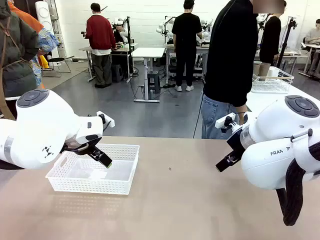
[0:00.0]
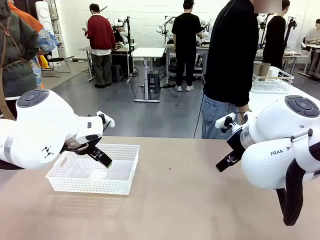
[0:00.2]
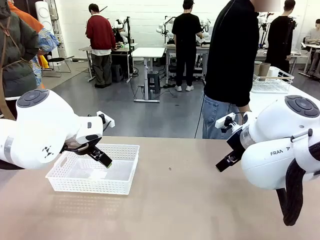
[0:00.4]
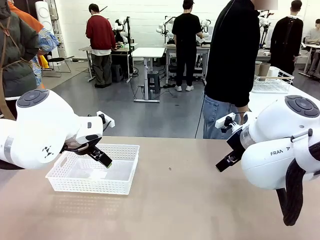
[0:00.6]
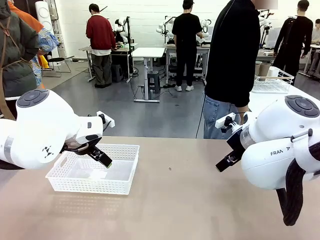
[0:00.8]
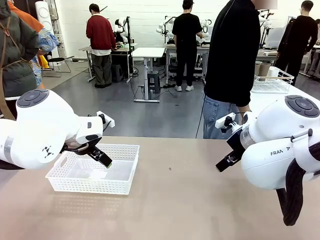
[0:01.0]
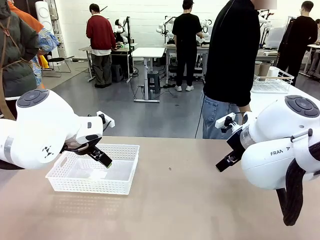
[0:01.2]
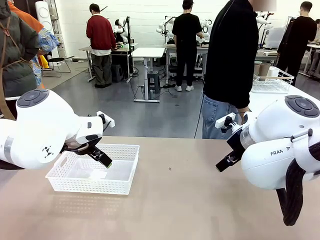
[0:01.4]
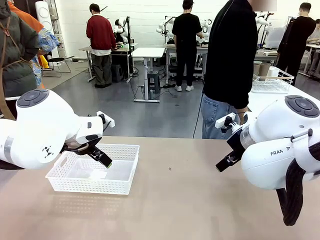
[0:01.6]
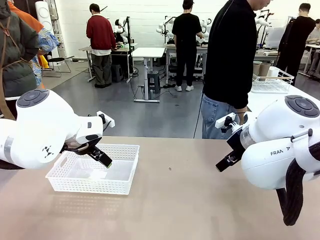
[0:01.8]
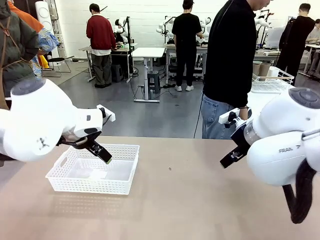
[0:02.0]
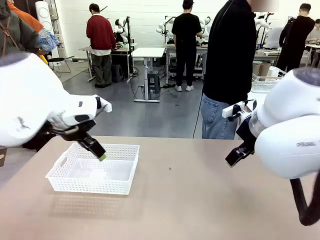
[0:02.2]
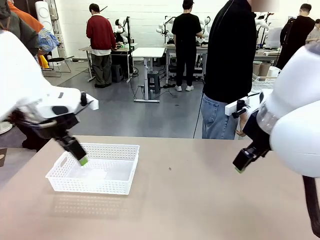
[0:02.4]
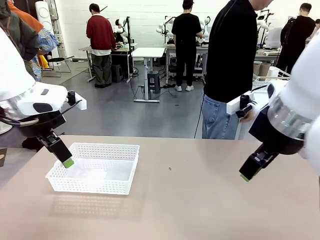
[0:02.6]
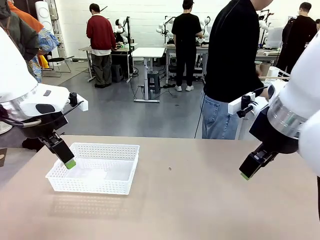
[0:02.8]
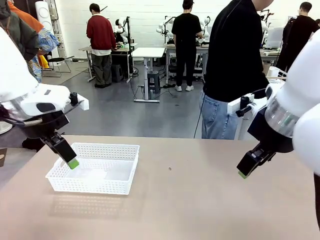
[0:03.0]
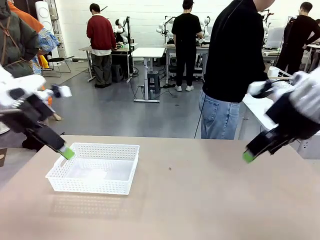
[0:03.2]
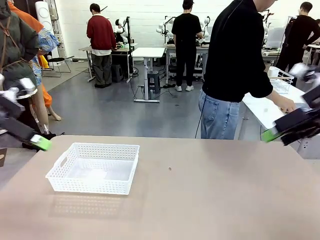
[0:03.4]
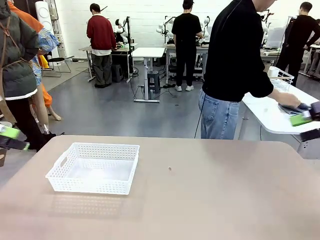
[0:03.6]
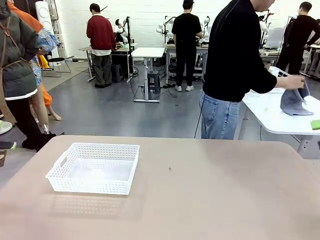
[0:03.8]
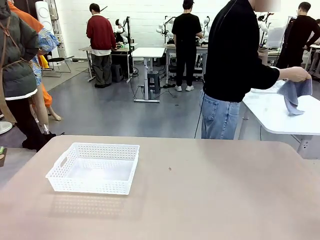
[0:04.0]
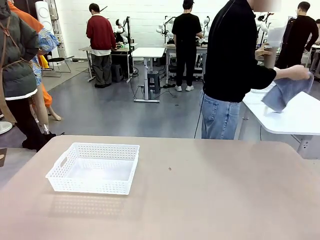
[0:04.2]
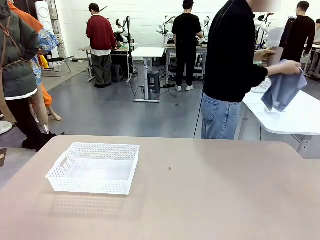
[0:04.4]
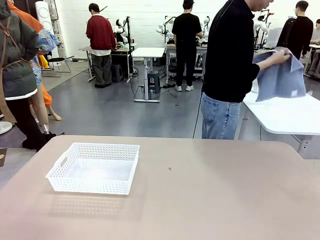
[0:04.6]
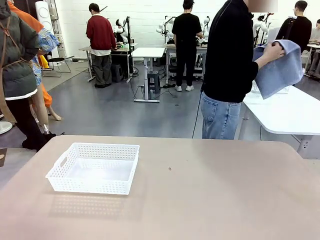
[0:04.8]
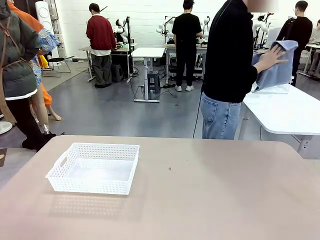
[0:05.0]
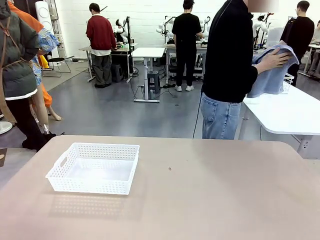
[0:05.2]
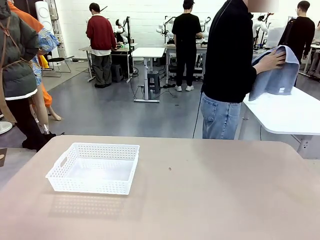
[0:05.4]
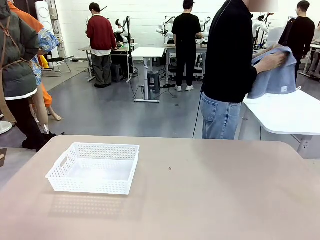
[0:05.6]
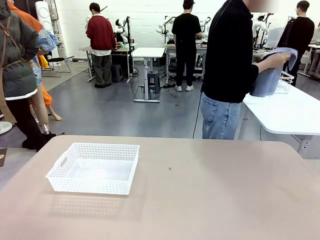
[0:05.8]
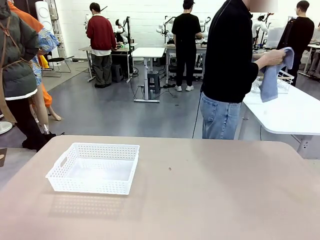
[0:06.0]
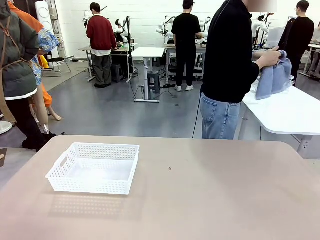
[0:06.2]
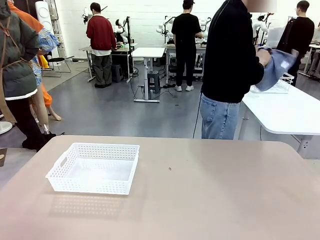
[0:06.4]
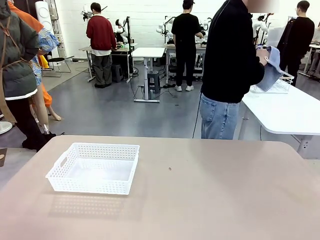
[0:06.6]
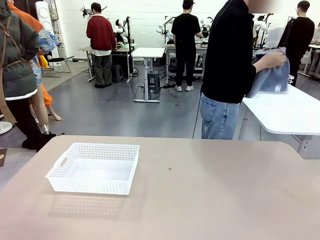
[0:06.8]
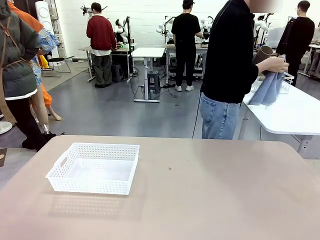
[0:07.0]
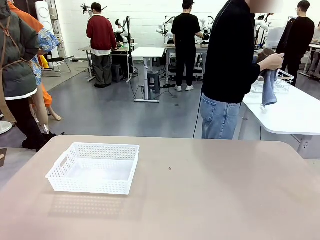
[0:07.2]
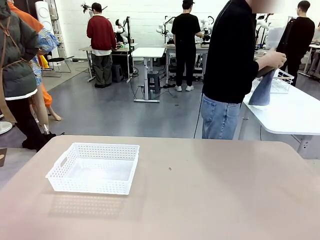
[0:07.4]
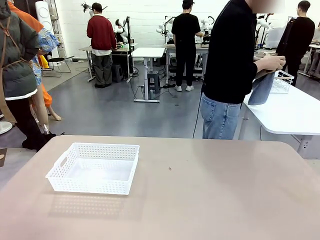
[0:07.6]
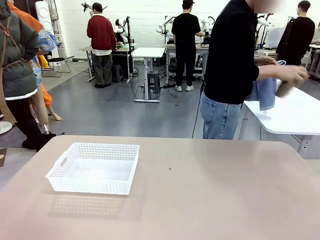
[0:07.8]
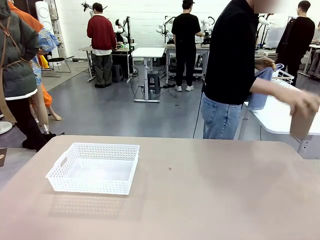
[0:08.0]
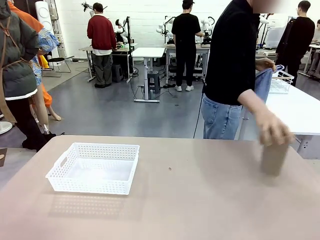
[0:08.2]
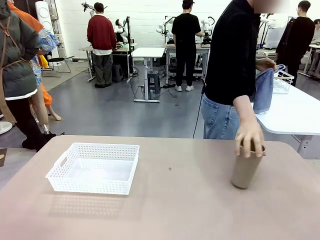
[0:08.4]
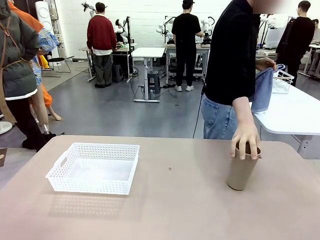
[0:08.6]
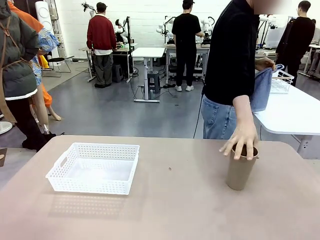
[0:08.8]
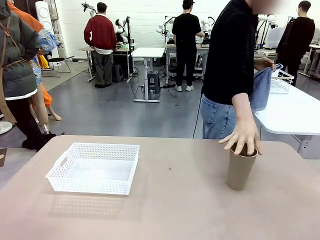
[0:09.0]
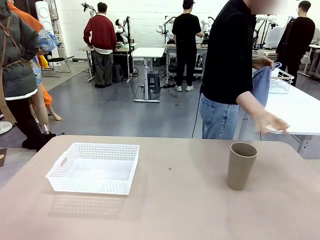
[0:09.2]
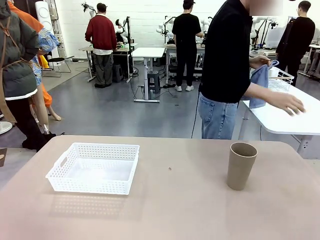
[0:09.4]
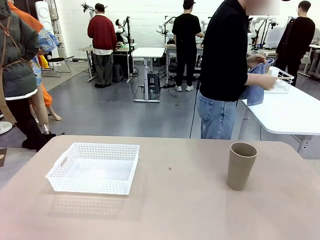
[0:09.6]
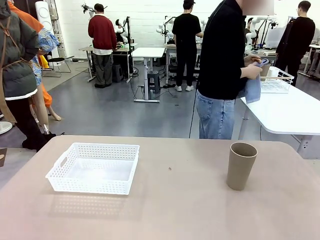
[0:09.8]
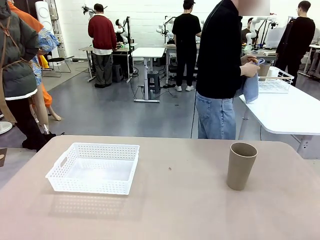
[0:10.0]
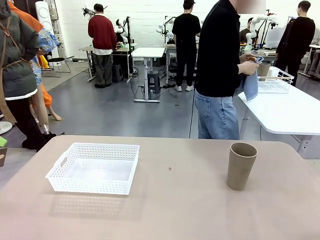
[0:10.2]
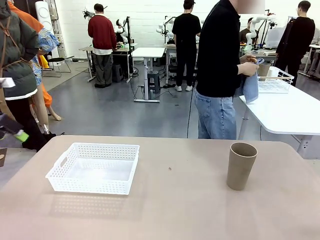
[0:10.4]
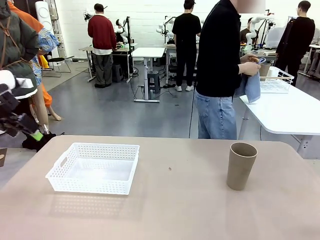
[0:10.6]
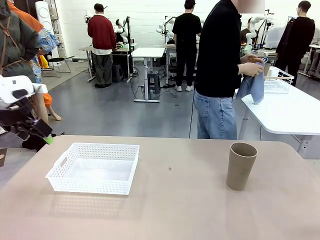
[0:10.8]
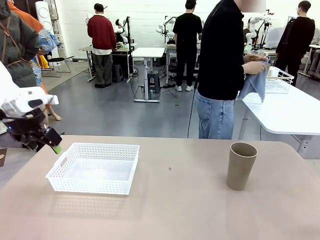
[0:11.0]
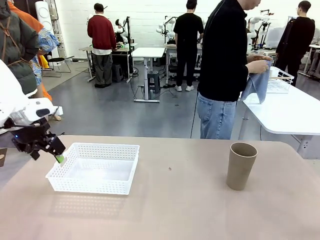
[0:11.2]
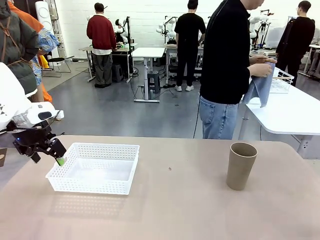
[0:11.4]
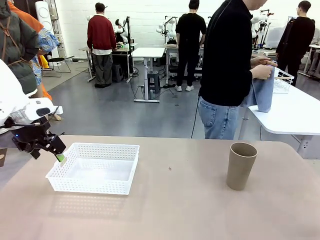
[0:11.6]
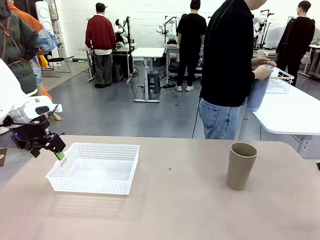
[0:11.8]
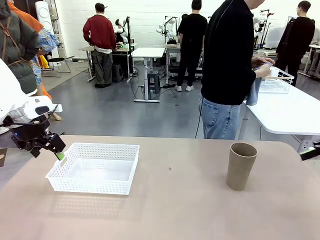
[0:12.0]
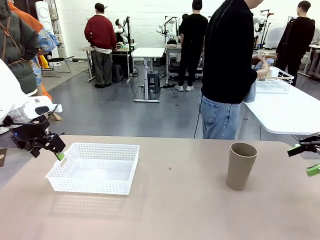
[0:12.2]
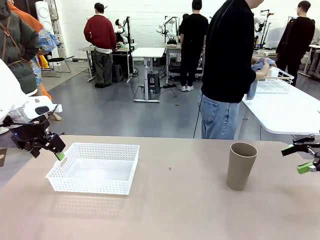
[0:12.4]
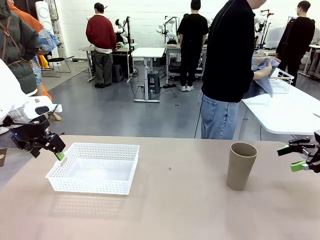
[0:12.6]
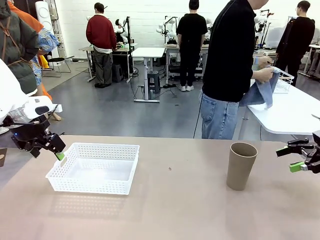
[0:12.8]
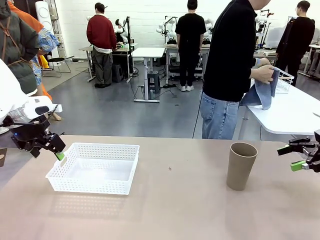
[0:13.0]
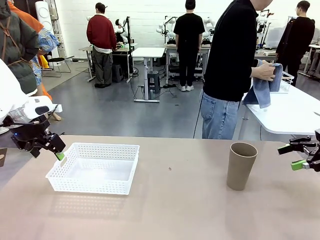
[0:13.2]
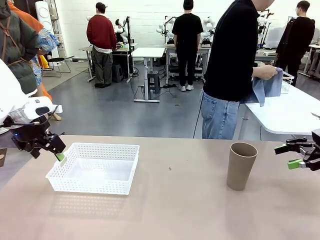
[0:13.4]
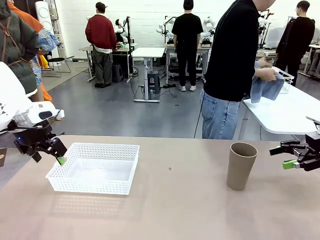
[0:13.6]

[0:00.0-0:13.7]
Task: Clean and organize the cups into the basket.
Robot: Pick up the Organizing basket and move it to the center of the table, then pick up the Reusable plastic cup from the right side of the table and place it inside the Organizing basket.
Person: Picks up a cup and a towel, cleans the cup with the towel, and places it on the left side of the robot table.

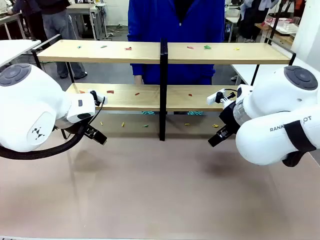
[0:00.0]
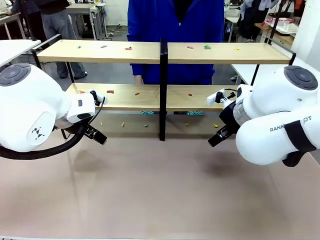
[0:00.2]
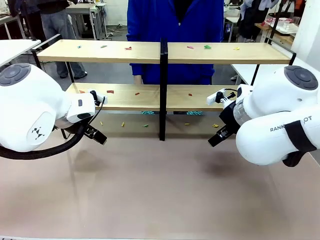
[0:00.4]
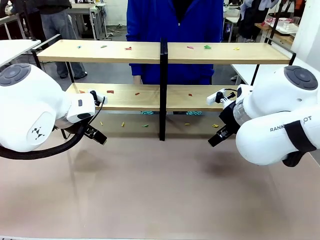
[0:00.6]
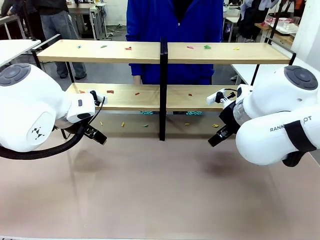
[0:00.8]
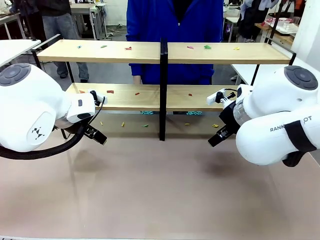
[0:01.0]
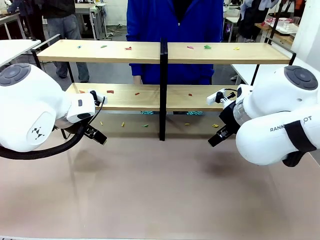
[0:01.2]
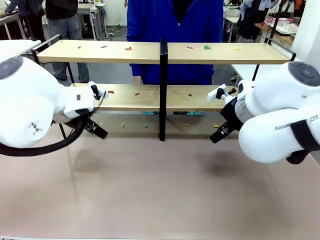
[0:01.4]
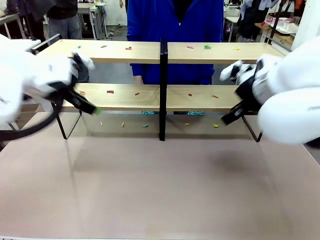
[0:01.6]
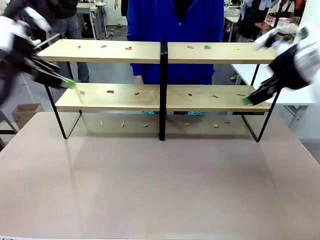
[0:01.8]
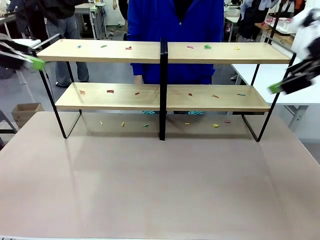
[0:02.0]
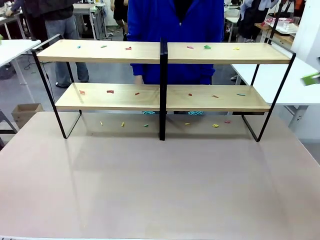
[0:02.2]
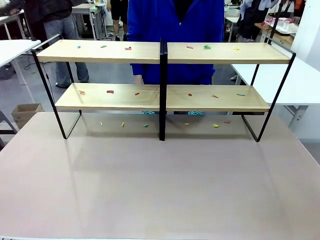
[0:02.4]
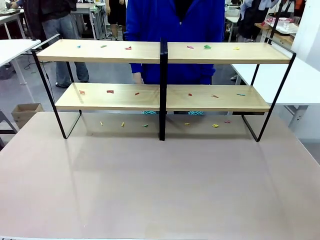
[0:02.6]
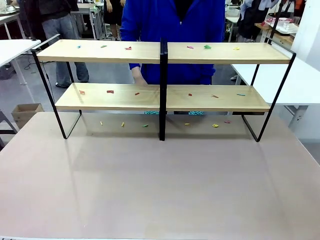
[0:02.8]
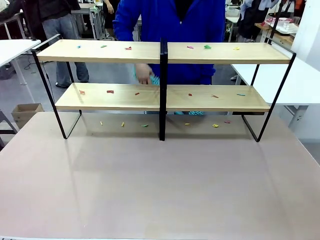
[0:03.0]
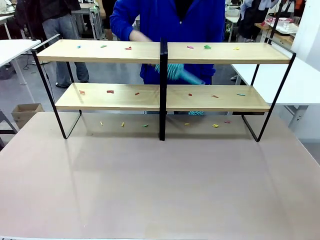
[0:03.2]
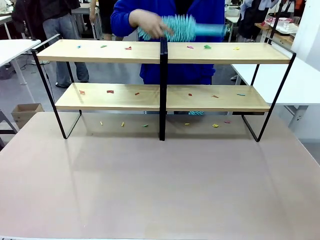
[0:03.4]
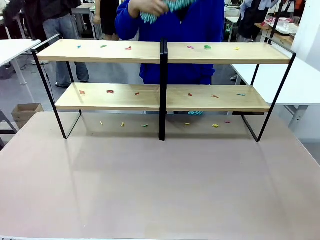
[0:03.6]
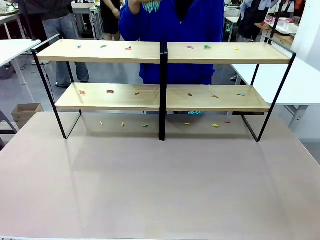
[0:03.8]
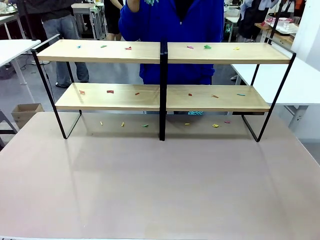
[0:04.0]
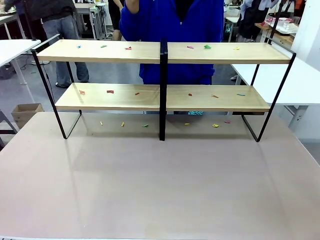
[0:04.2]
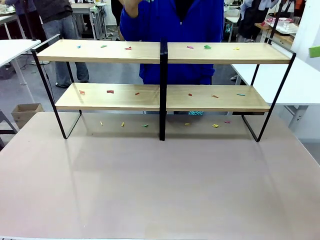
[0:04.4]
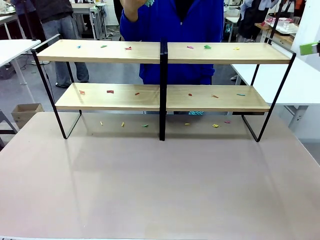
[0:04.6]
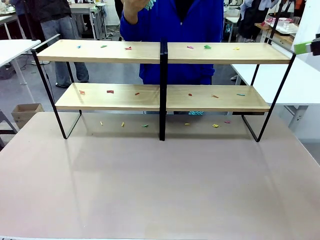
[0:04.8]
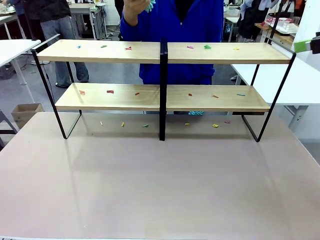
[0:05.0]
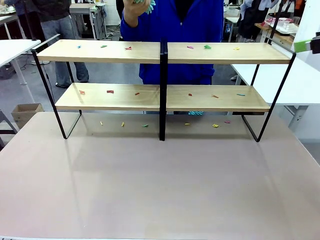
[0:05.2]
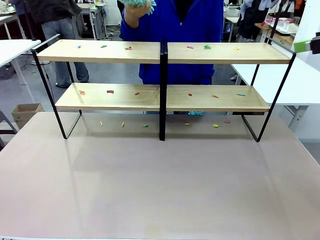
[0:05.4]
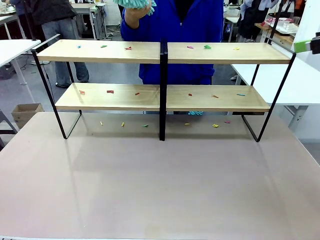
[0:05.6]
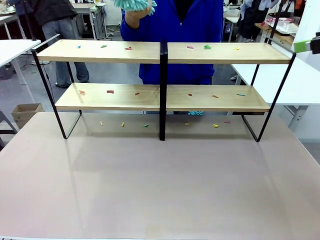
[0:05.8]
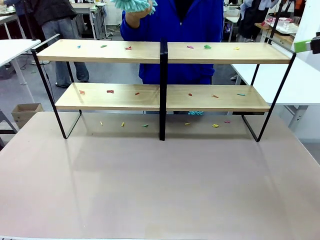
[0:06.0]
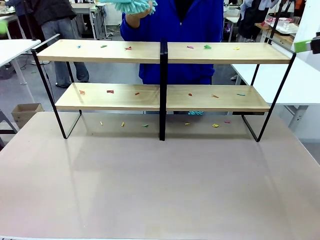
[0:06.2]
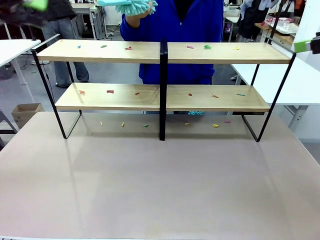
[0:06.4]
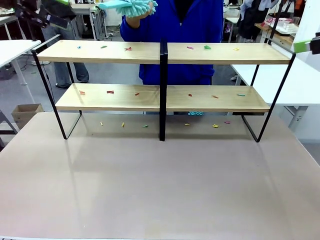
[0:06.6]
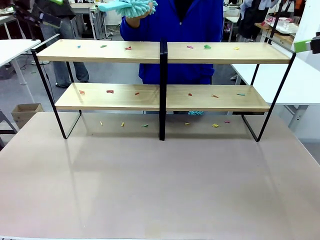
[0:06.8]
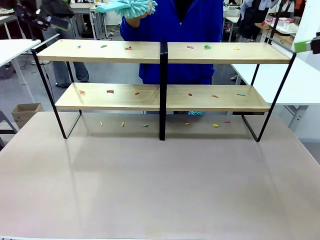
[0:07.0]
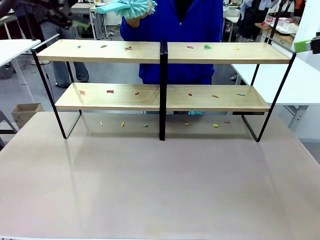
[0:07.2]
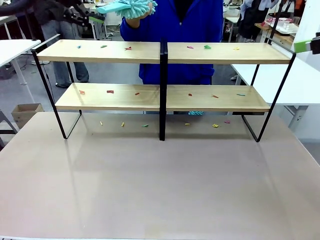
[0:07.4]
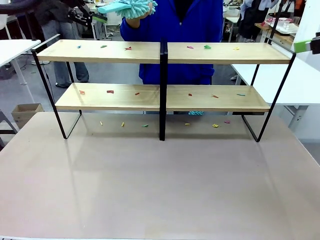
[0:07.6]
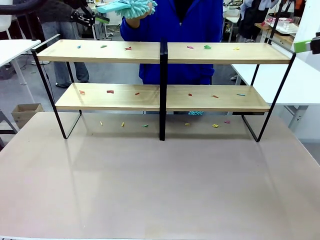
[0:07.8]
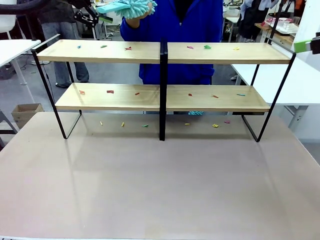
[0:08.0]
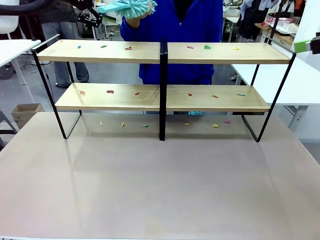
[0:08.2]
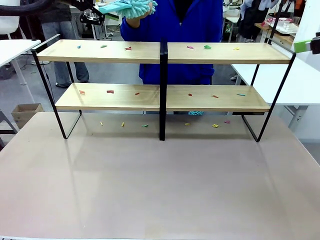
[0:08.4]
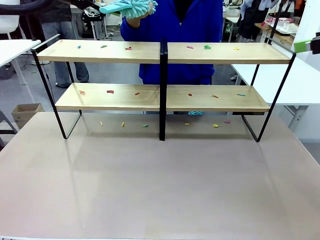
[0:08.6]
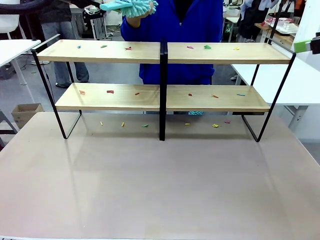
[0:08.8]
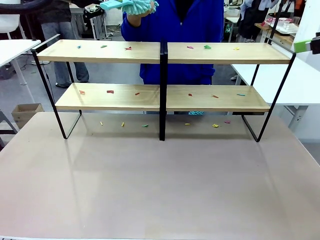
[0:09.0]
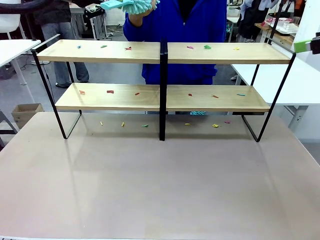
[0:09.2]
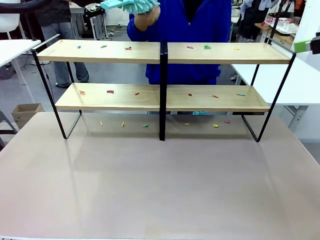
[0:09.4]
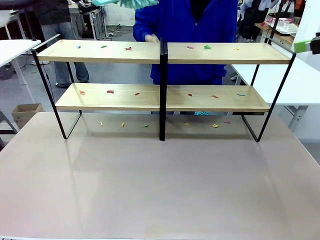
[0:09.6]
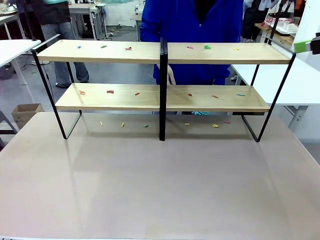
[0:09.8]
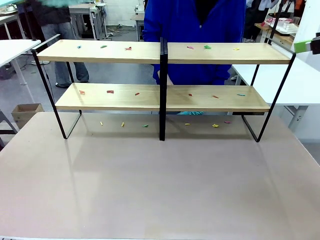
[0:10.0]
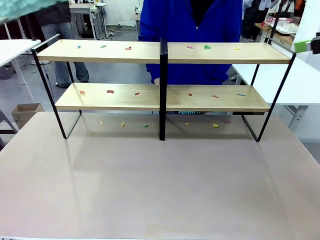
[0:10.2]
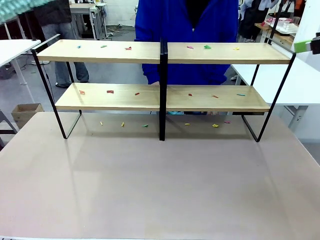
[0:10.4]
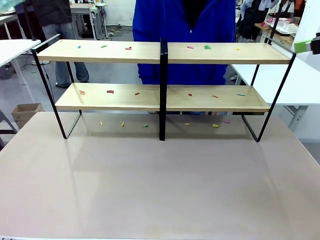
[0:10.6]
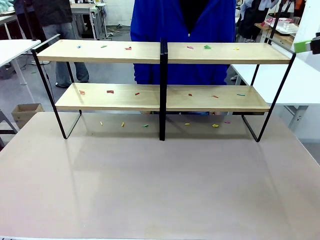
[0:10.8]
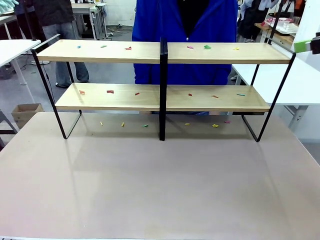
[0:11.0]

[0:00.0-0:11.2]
Task: Clean the shelves.
Robot: Pick up the Duster when the human hands it over.
Person: Hand the Duster to the robot with your right (or left) hand.
